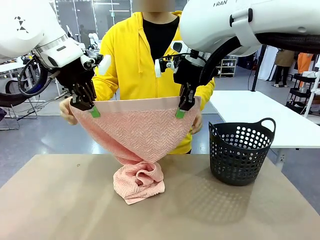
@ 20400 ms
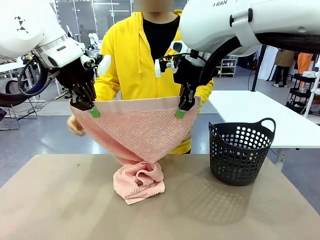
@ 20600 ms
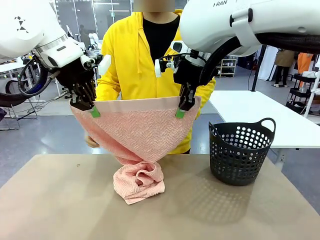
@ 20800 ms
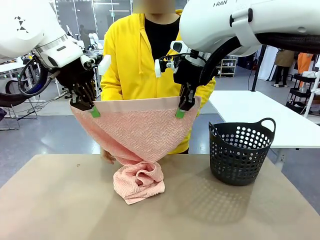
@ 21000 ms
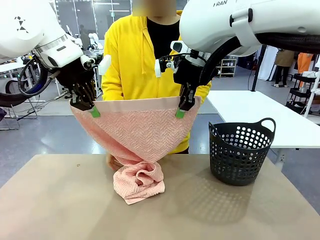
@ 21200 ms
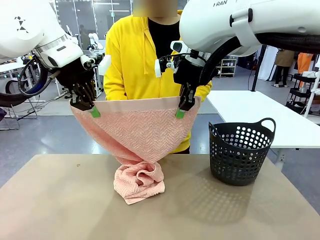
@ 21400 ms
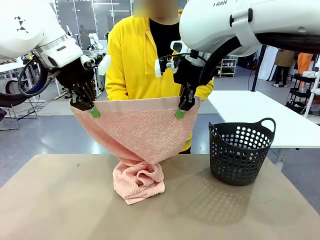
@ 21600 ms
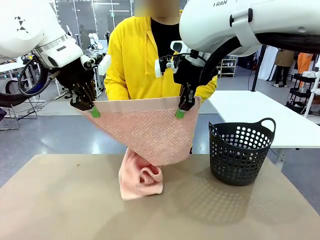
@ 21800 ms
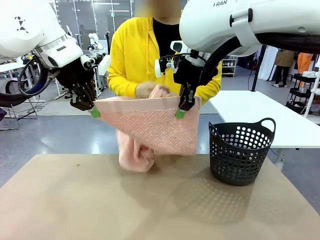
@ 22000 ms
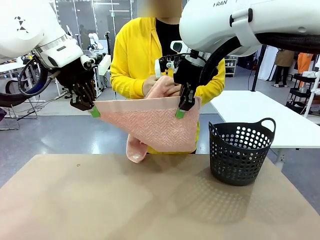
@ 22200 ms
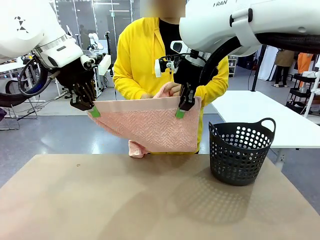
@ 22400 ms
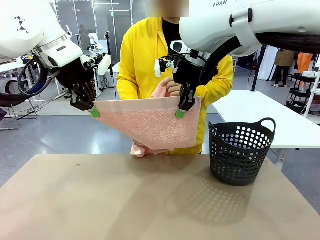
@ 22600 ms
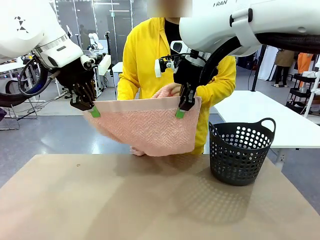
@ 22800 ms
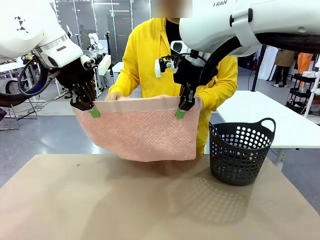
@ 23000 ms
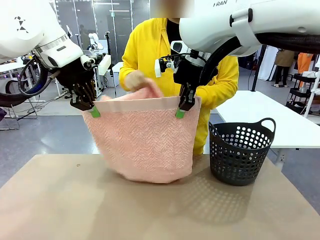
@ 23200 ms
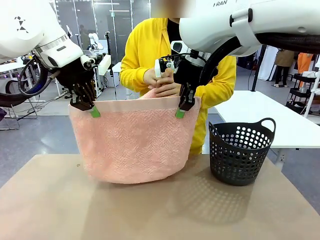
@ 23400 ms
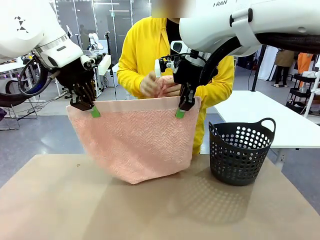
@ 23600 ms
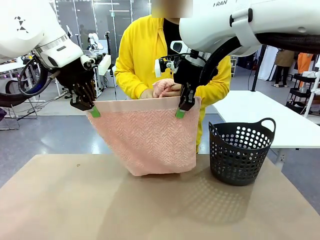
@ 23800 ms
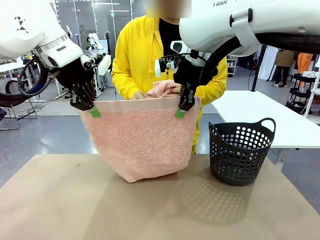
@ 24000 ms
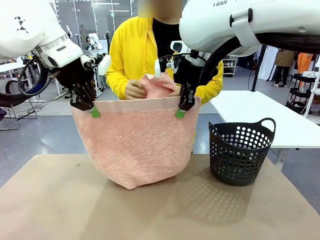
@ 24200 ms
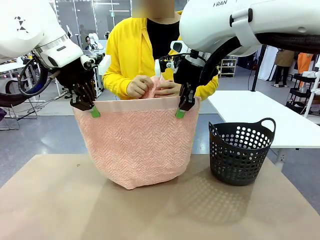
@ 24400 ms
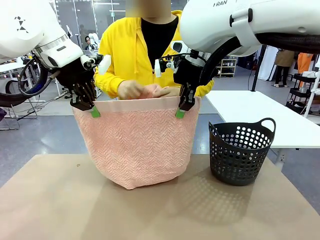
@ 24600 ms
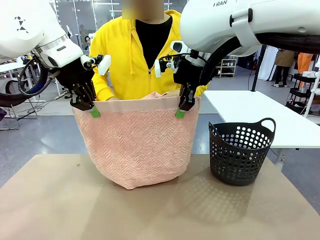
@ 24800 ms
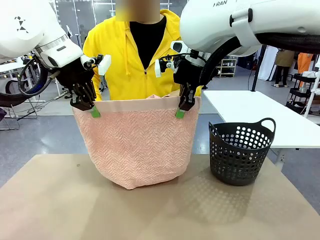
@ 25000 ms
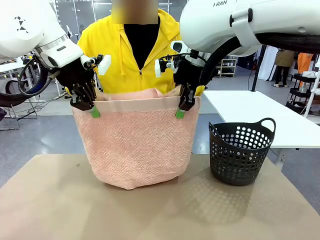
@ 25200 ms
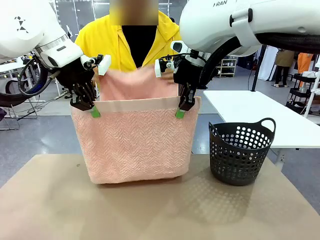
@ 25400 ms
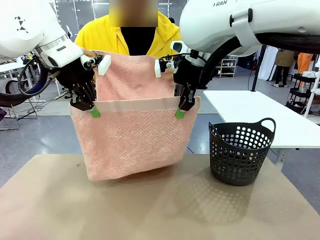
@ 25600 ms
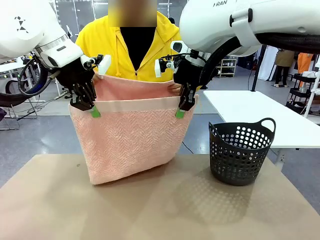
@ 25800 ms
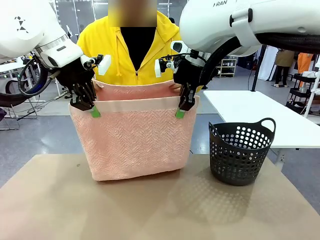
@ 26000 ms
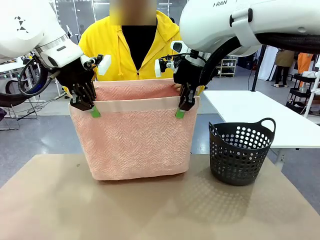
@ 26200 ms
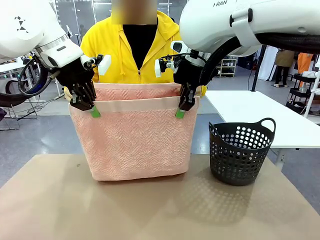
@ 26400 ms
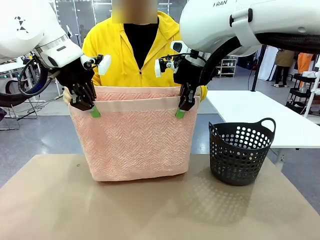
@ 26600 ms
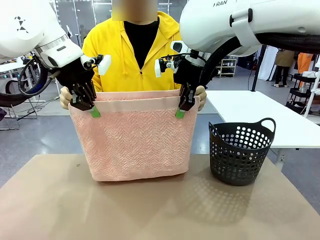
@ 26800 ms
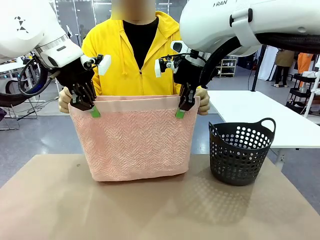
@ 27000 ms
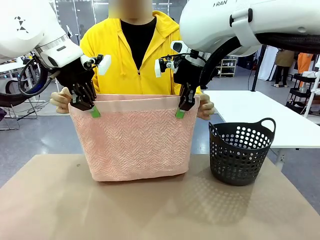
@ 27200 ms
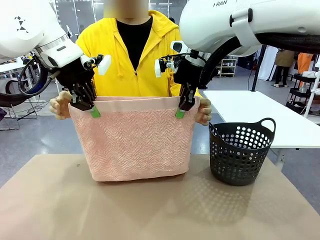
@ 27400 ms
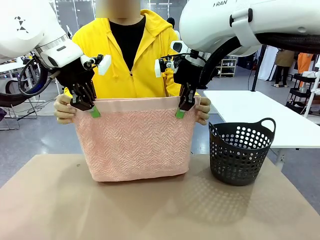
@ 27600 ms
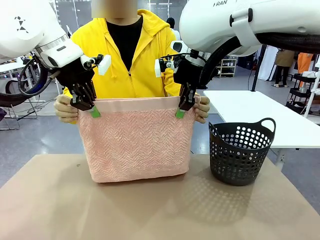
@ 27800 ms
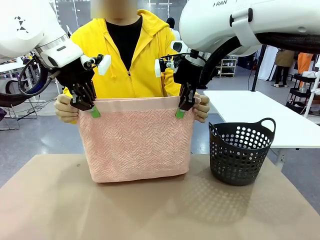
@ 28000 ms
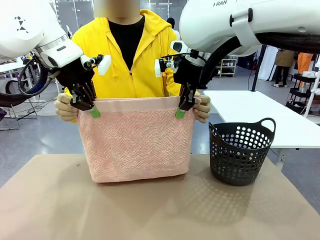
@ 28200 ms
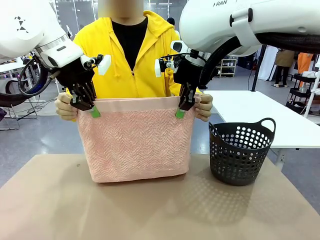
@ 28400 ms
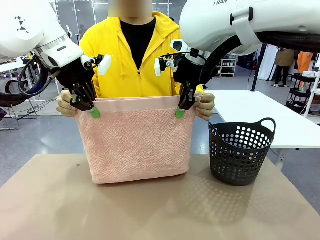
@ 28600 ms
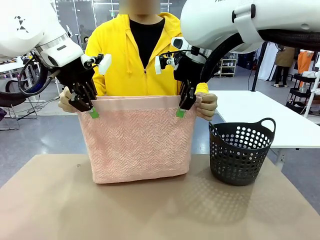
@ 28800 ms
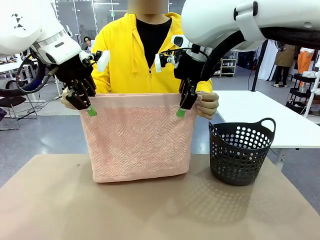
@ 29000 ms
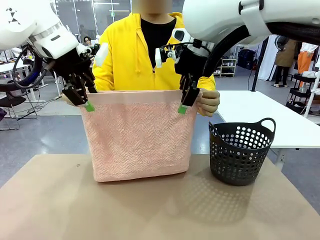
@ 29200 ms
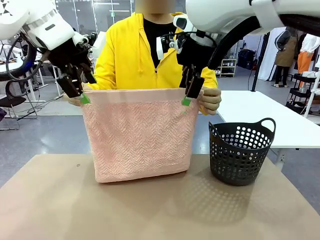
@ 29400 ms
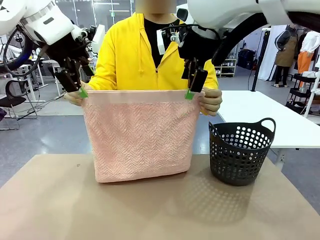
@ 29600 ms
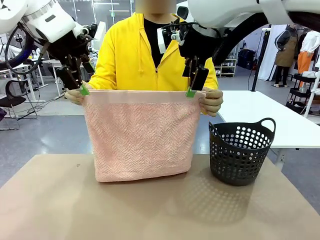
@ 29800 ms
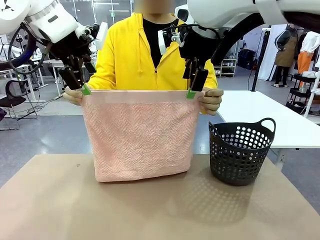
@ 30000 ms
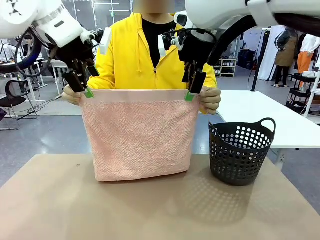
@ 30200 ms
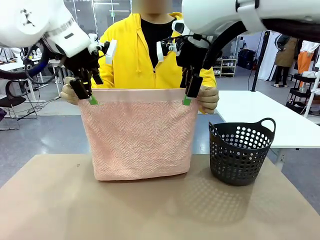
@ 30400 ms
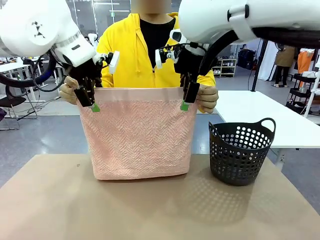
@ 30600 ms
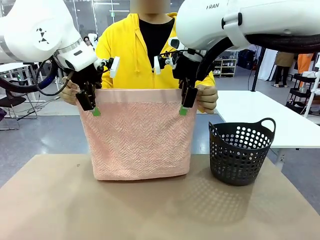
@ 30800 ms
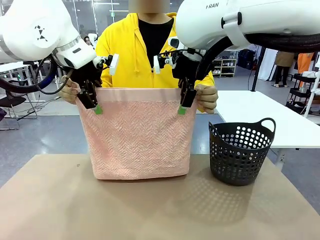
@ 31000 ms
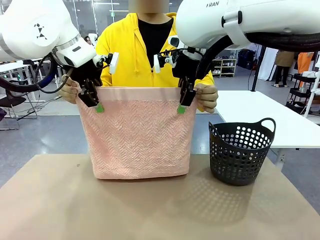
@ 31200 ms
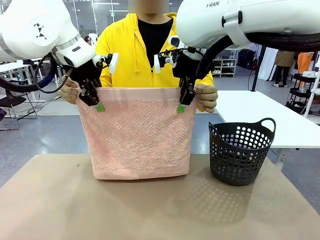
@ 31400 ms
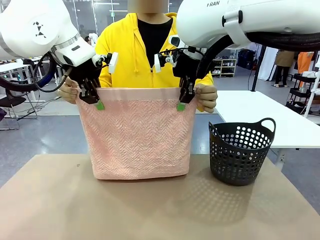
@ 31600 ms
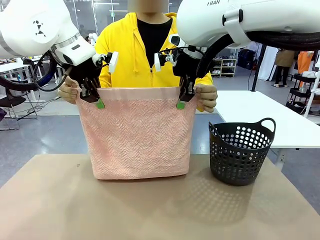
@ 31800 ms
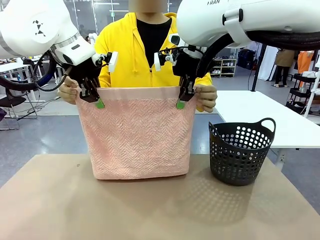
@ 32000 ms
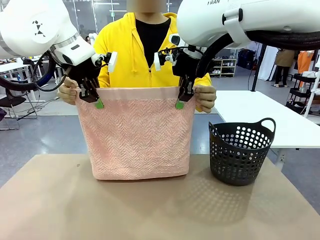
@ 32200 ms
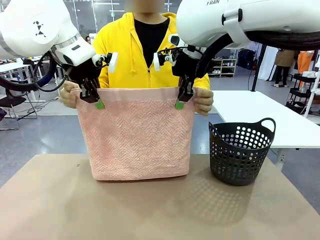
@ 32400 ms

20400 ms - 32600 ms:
Task: Fold the towel.
Robot: Release the end of the 100 cm Hotel Towel you were holding and grab the top end of the folded side.
Person: Using the point held by the robot as a reference, grasp the opposite end, fold the towel in half, and then hold both ends of the folded towel.

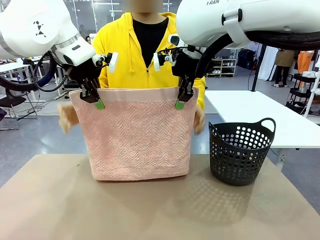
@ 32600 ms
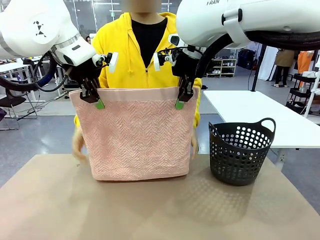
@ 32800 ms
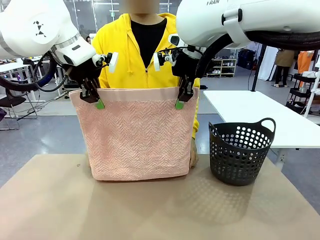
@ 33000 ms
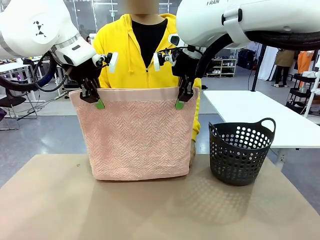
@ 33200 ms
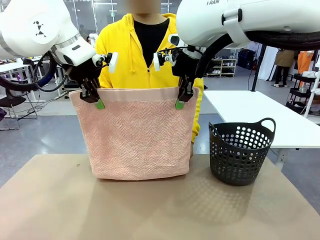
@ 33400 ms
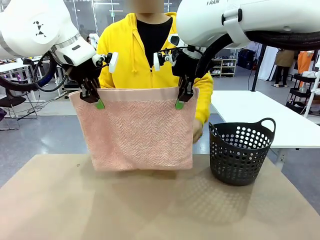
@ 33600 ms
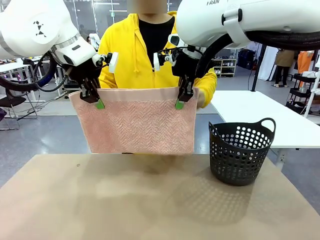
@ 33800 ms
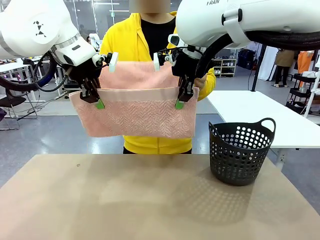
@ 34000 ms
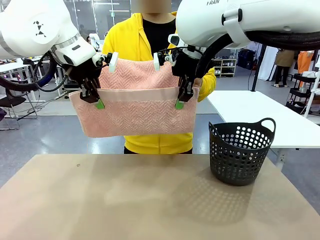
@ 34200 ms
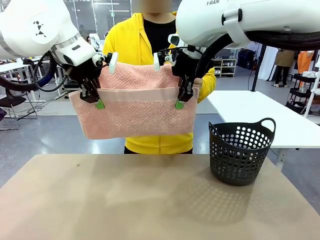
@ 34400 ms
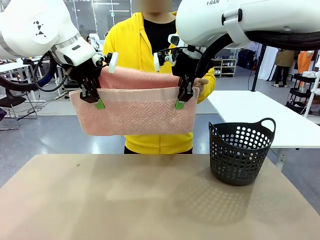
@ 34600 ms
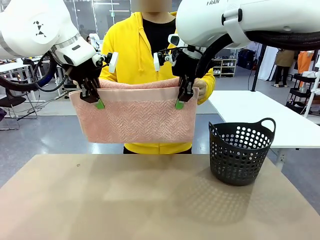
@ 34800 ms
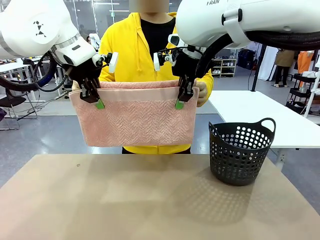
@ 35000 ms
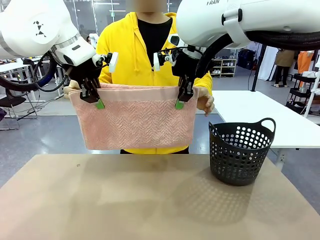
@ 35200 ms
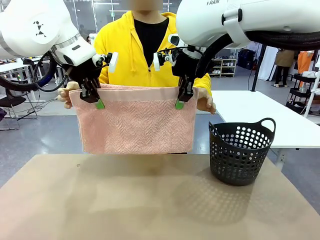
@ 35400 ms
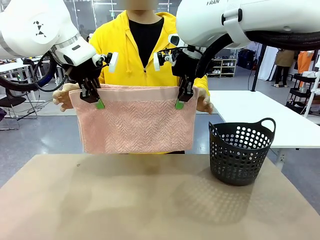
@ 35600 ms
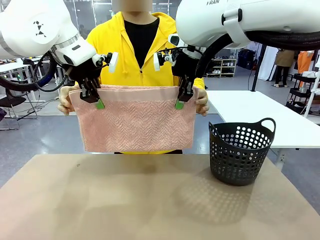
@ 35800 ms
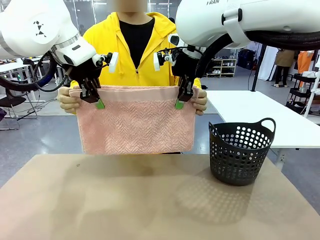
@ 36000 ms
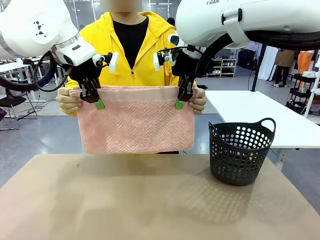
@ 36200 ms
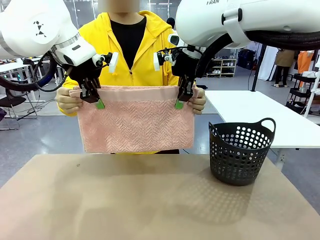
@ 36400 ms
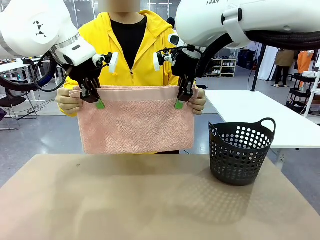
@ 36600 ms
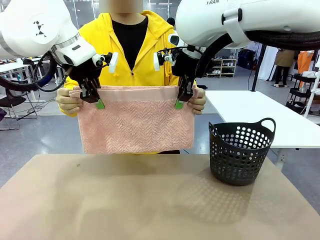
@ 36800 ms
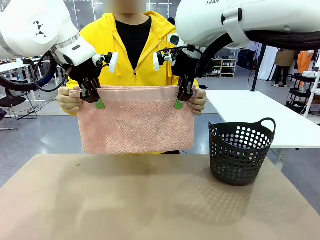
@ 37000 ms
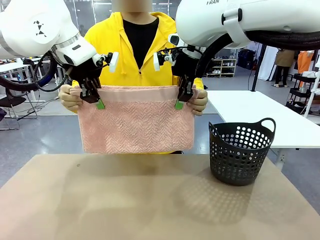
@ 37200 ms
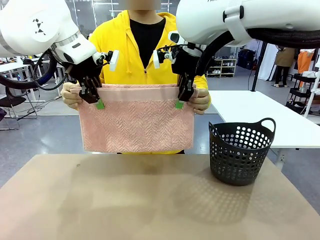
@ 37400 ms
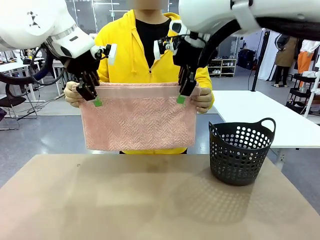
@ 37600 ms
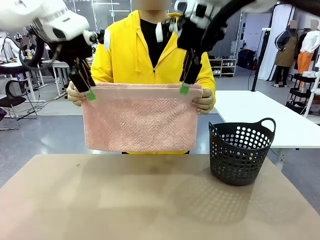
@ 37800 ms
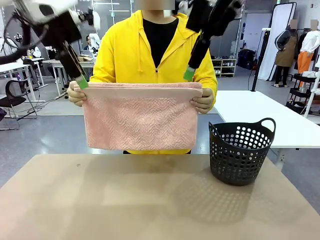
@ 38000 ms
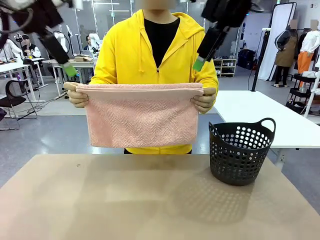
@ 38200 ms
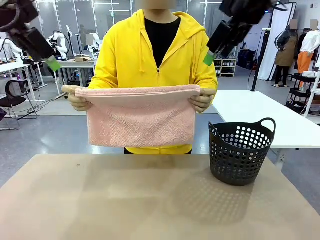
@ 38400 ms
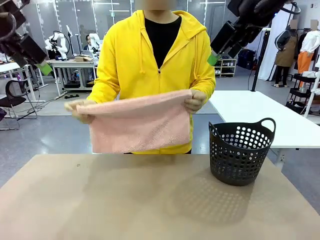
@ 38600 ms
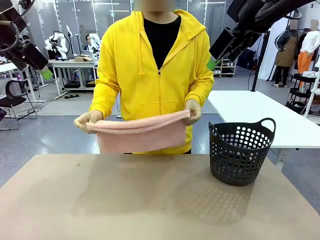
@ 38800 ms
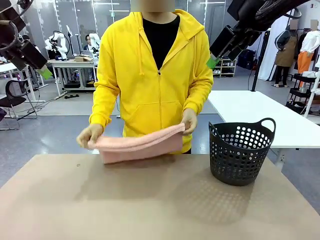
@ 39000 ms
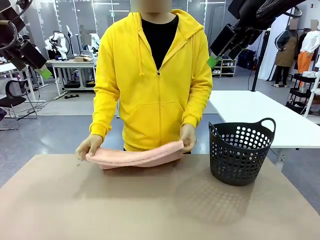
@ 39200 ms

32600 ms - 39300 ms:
Robot: Release the end of the 100 cm Hotel Towel you were holding.
